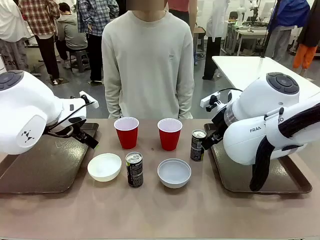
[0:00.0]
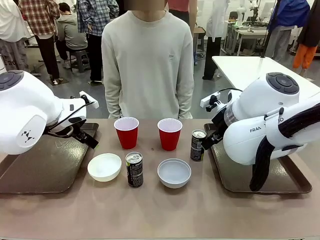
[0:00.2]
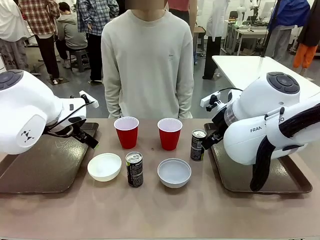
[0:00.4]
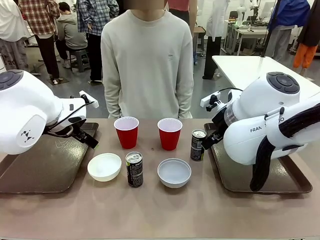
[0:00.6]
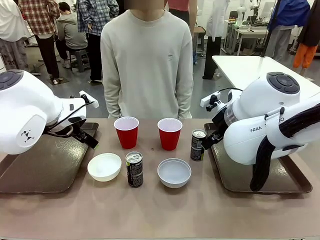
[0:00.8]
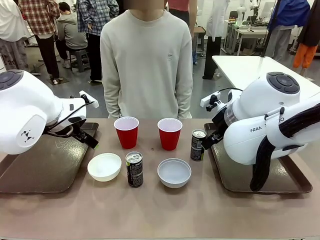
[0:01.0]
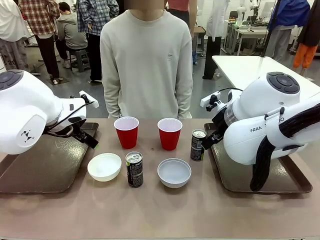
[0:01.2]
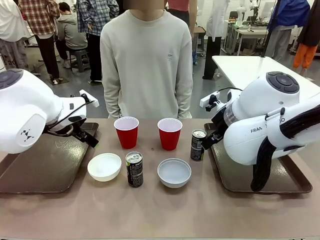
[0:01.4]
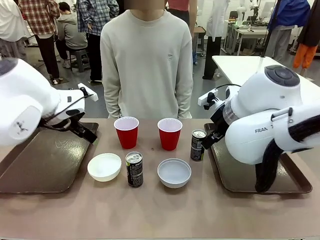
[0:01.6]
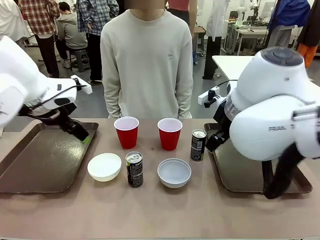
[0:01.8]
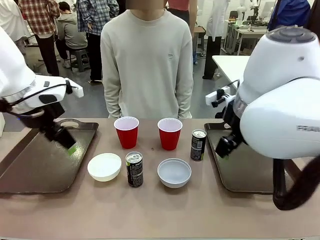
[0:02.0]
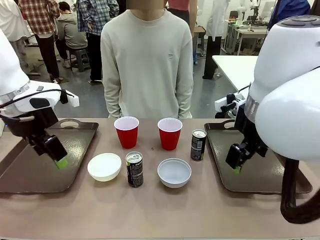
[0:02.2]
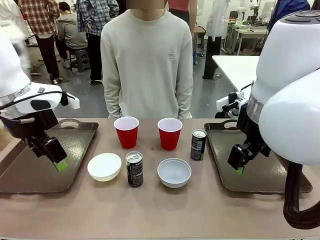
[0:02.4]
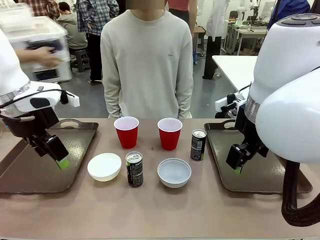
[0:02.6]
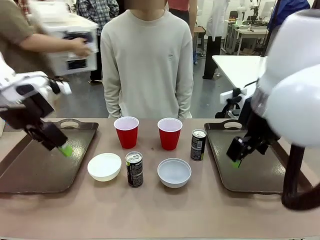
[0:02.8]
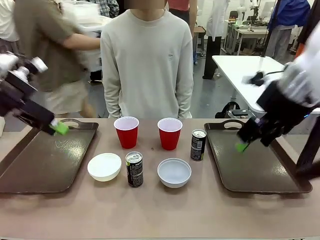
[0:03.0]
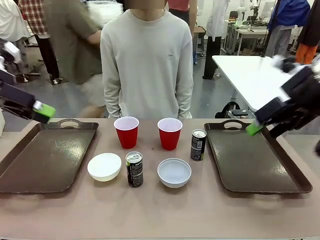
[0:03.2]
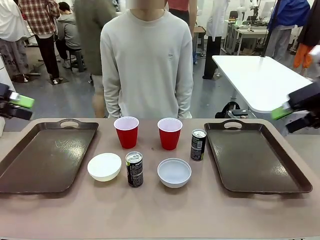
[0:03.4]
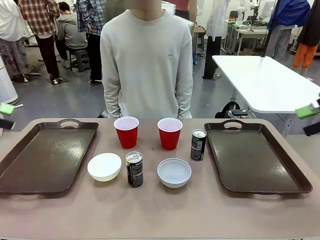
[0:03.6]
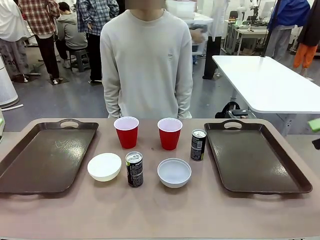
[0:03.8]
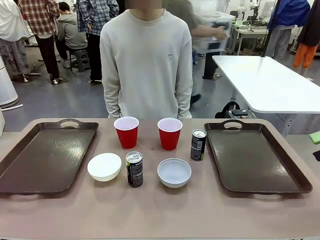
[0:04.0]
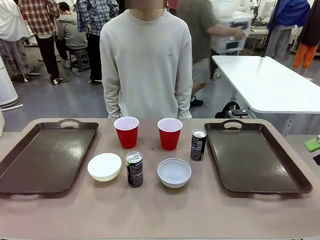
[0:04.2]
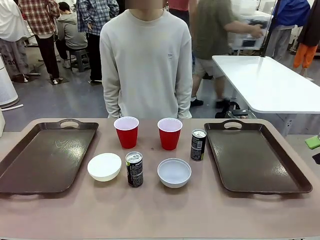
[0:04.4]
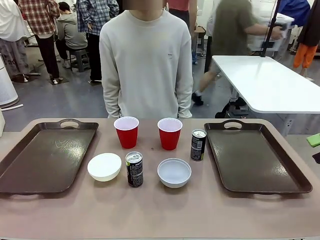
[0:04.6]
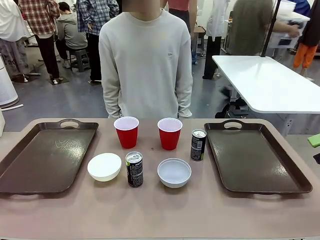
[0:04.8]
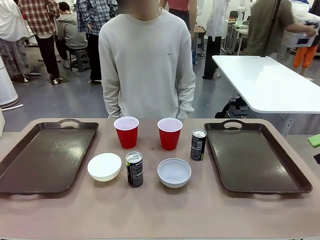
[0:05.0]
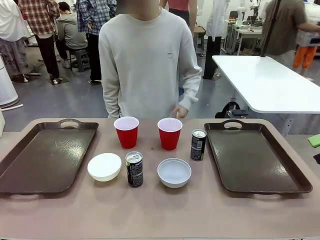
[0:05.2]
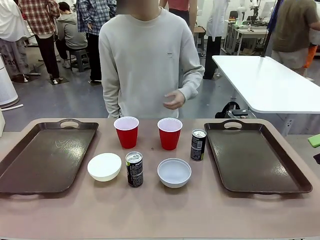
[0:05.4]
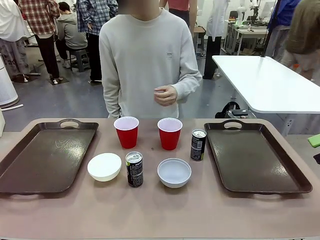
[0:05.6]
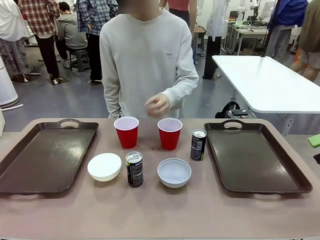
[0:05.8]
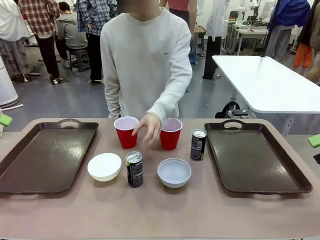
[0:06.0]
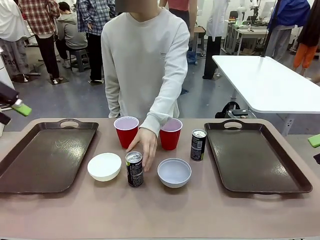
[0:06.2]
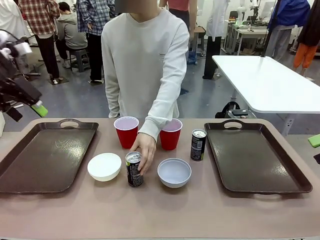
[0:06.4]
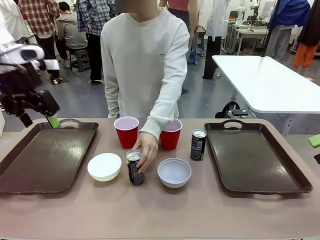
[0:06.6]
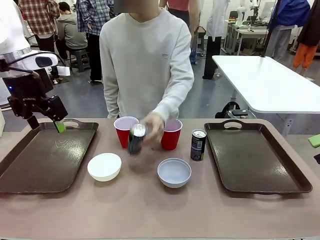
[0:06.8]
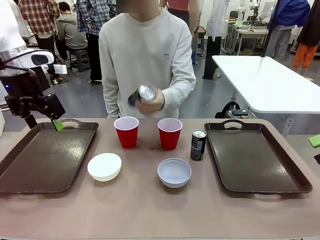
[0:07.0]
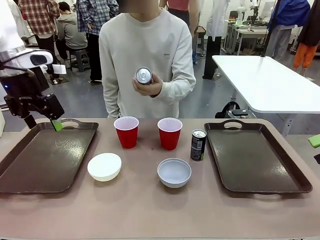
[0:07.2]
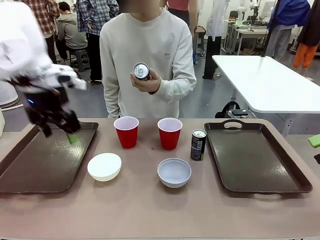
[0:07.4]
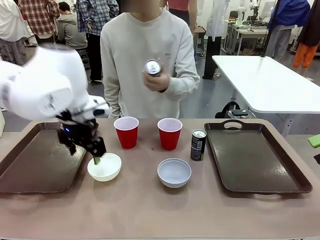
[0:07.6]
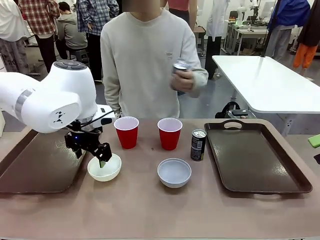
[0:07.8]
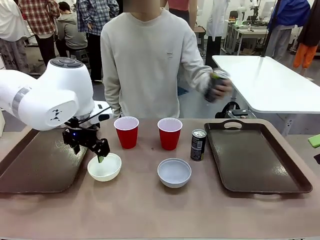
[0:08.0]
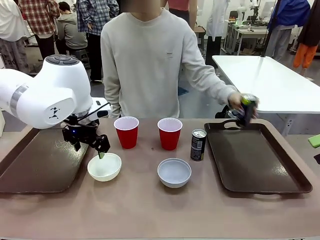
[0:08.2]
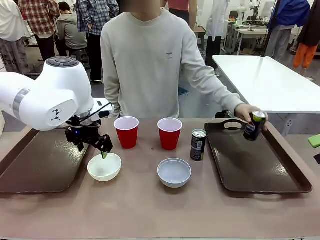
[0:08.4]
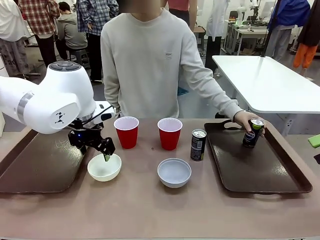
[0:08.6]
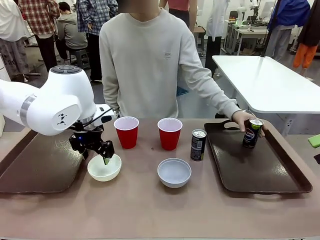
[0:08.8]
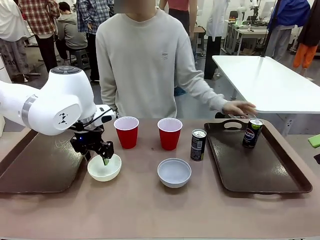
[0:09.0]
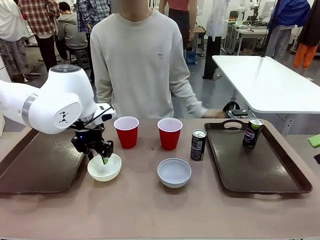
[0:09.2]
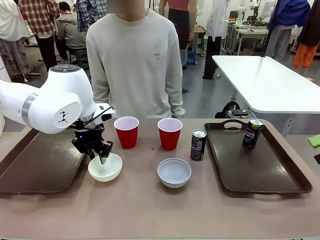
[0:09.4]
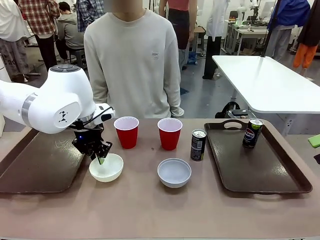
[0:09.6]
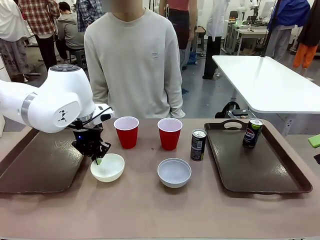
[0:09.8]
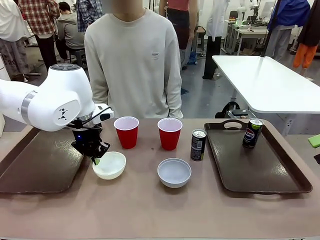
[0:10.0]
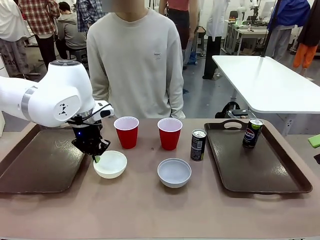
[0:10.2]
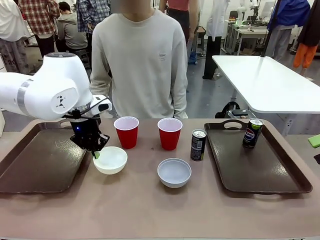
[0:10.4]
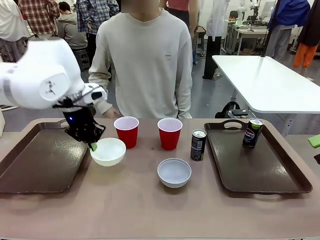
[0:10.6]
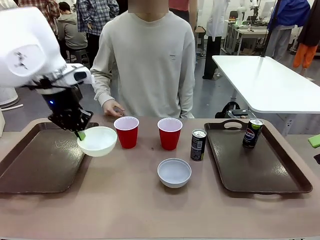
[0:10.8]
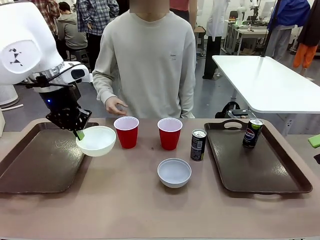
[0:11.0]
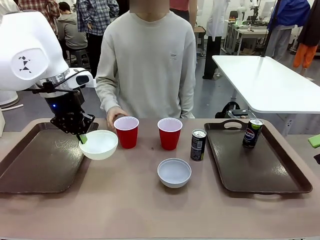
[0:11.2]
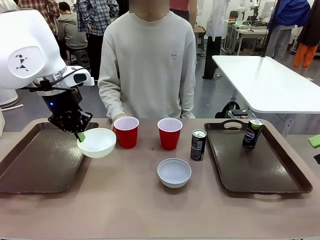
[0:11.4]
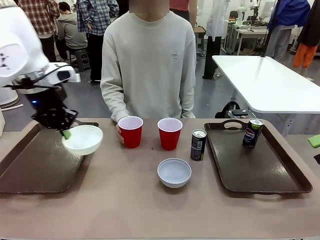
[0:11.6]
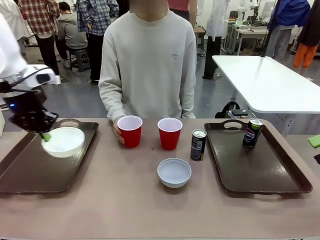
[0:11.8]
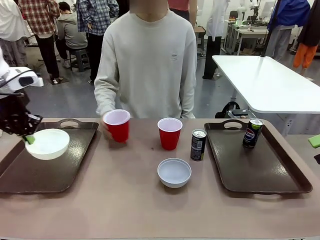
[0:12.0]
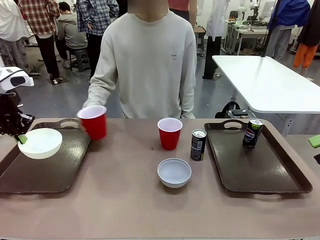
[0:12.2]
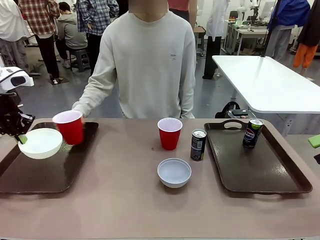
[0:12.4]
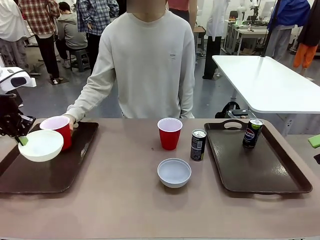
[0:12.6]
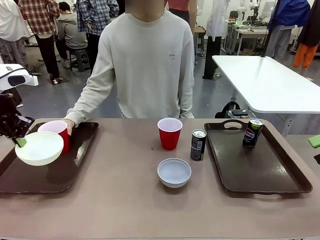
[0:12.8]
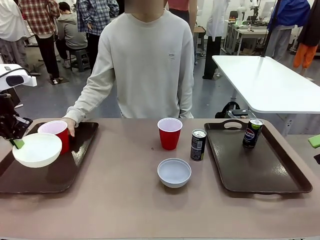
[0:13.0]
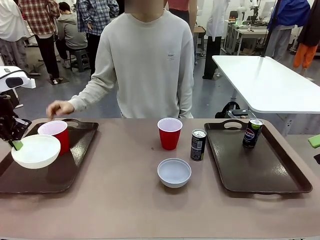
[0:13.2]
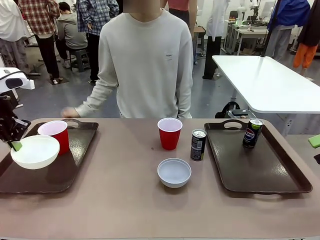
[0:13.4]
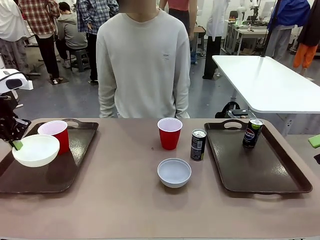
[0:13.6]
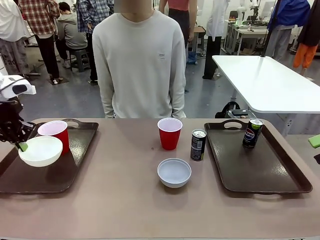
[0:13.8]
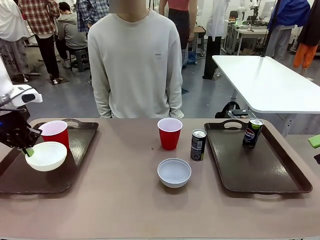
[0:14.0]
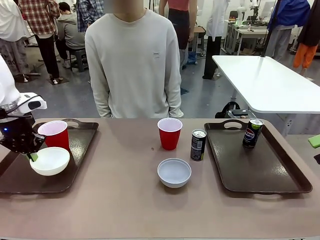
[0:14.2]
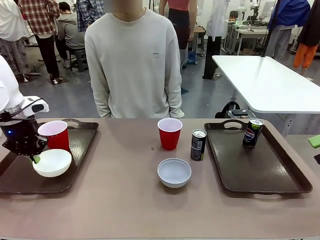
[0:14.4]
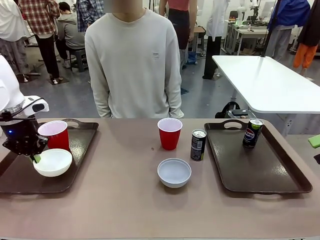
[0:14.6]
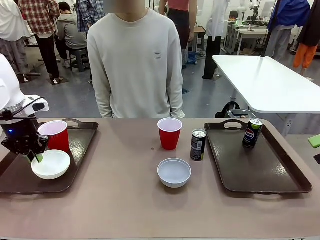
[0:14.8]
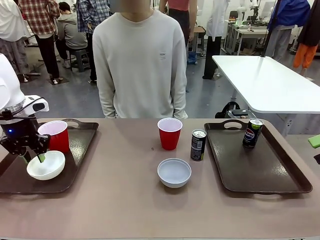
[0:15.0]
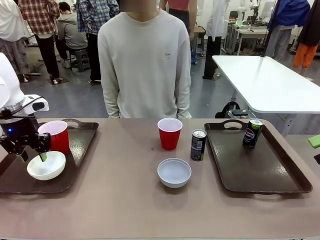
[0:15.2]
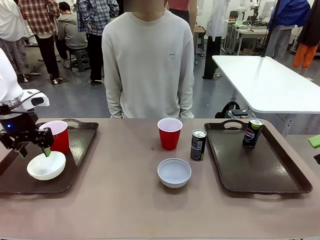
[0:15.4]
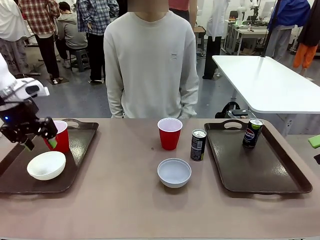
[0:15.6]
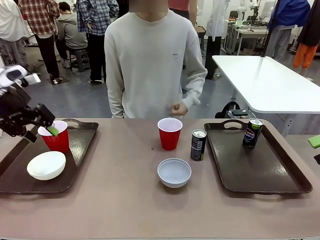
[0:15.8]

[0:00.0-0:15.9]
Task: Prepare tableware on both trays.
Robot: Pick up a Picnic Bowl from the table and place it on a Handle tray.
Person: Pick up a can or cup and place it on the tray.

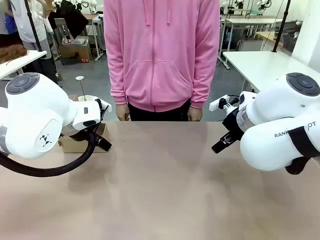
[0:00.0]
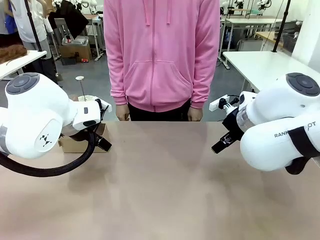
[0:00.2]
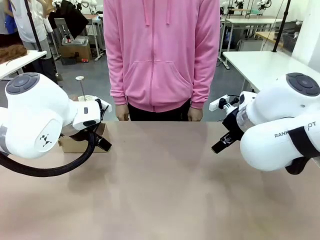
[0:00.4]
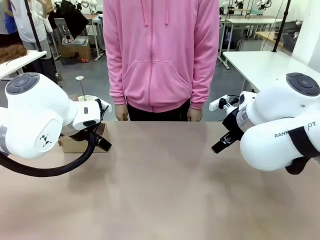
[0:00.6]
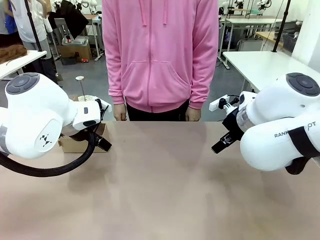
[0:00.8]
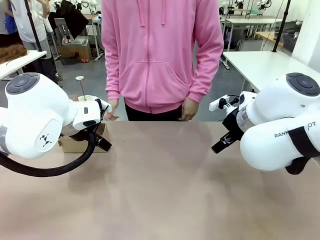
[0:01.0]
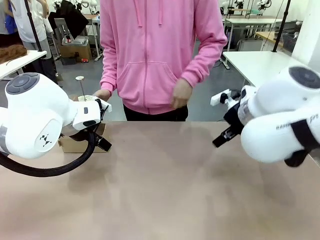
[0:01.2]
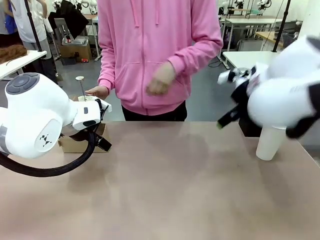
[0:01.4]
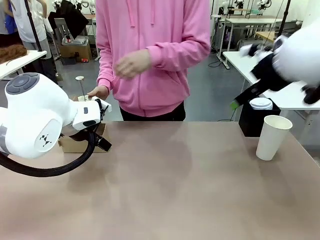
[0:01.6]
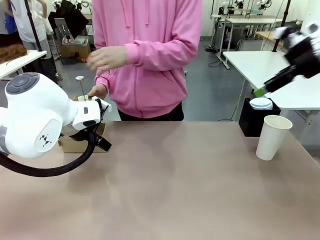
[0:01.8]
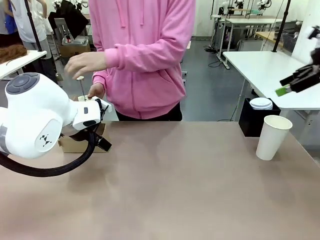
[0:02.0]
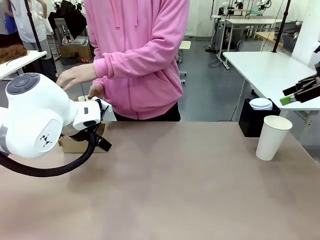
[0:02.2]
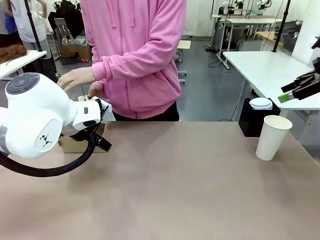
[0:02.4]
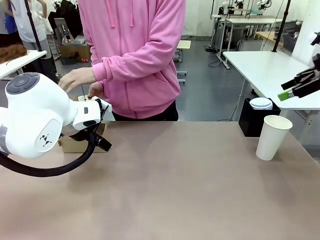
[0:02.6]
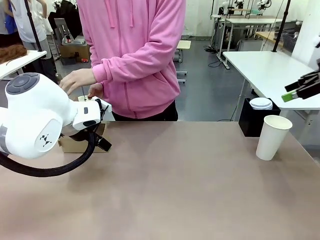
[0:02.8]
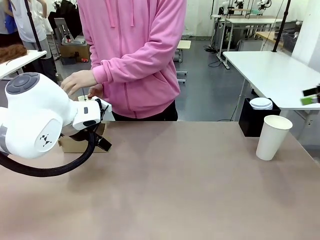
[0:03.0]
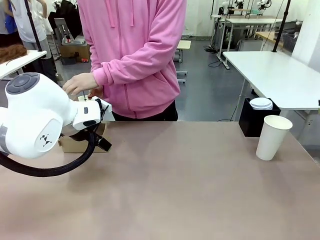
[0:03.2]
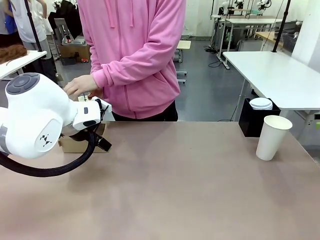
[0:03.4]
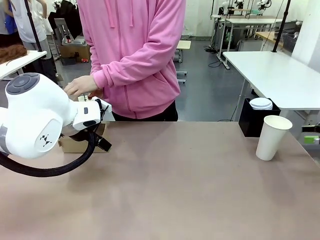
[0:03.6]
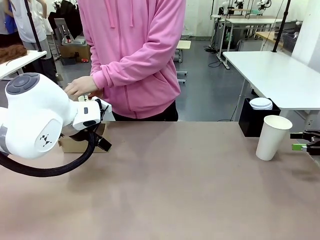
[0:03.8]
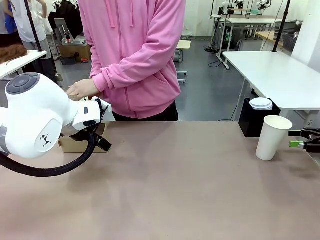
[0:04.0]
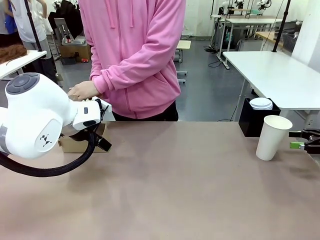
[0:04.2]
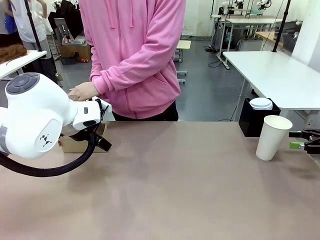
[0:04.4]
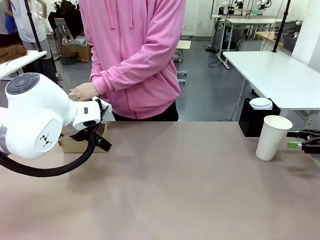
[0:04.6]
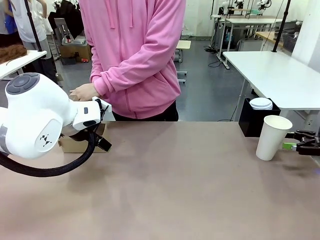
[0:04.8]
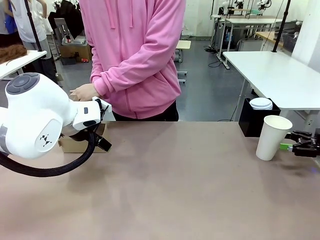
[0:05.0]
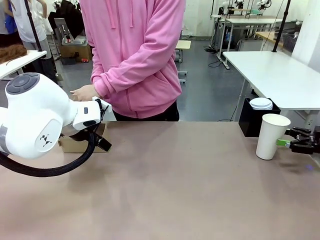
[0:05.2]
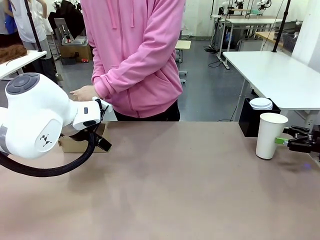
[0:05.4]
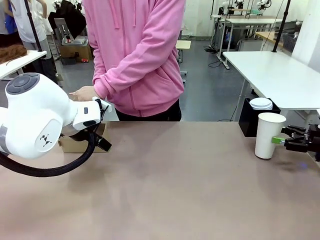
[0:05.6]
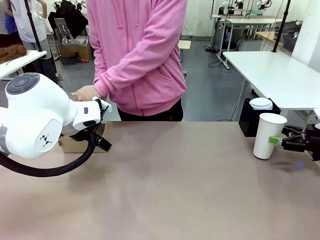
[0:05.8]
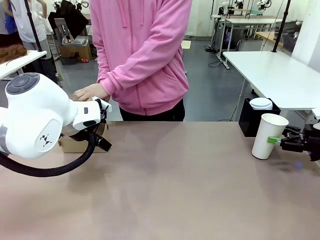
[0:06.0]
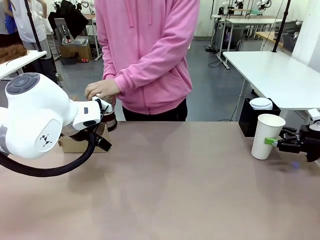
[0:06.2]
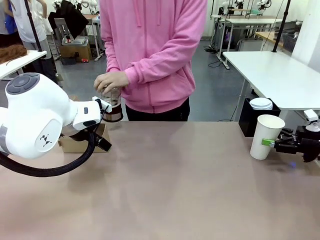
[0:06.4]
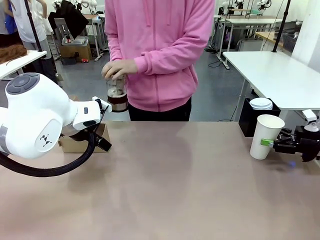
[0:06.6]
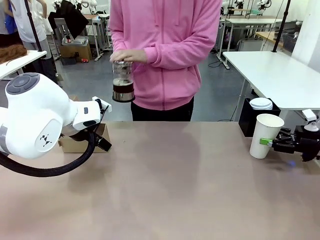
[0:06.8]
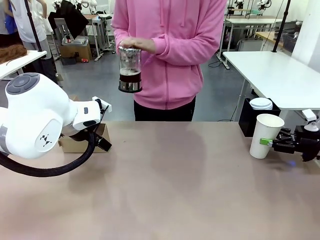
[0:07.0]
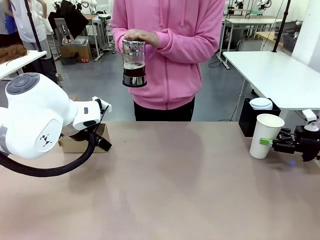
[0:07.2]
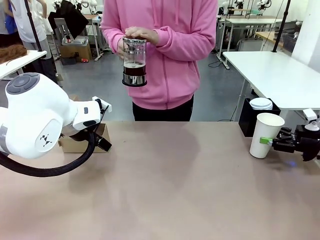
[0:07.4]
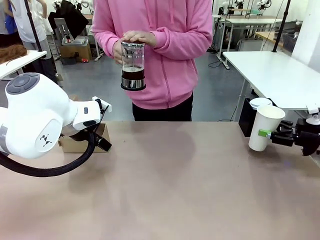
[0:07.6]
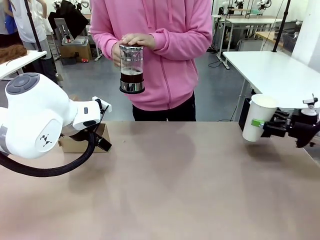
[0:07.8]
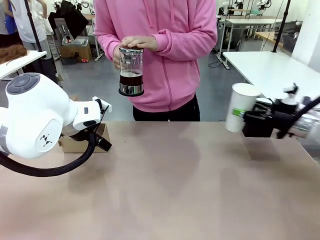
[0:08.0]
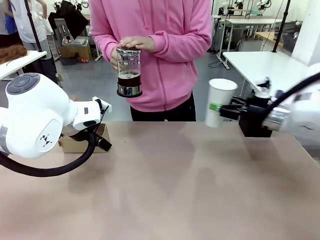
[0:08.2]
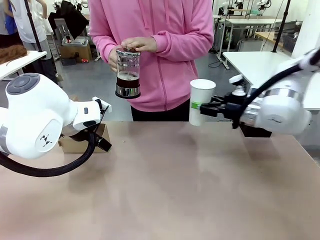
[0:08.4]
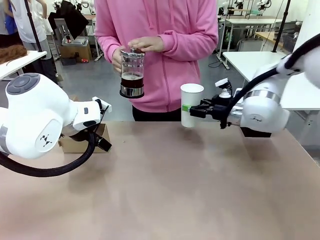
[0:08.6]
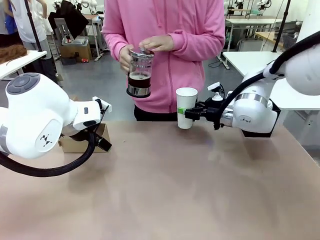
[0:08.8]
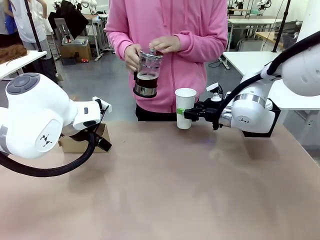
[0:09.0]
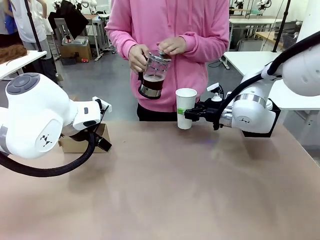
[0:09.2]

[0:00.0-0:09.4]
Task: Pour a drink into a cup and package it in a carrier.
Robot: Pick up the 600 ml Paper Cup and place it in the middle top area of the table.
Person: Press and pick up the Filter Brewing.
